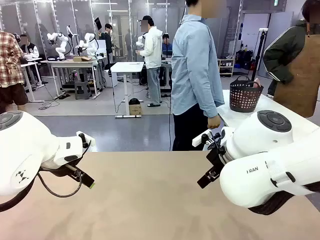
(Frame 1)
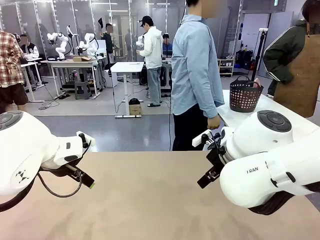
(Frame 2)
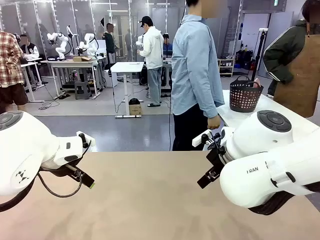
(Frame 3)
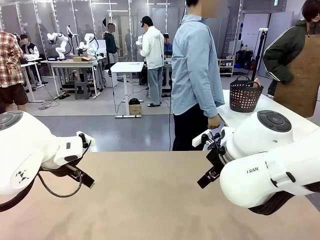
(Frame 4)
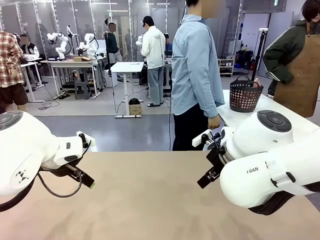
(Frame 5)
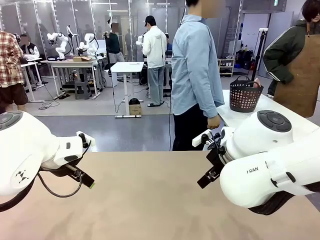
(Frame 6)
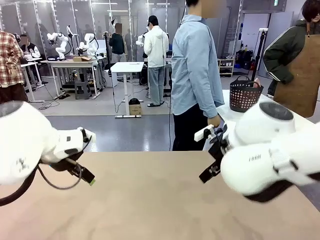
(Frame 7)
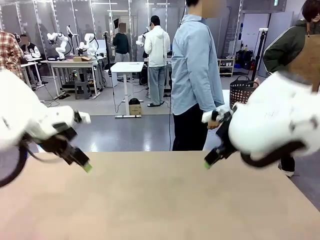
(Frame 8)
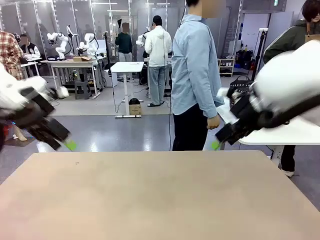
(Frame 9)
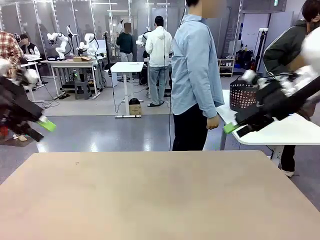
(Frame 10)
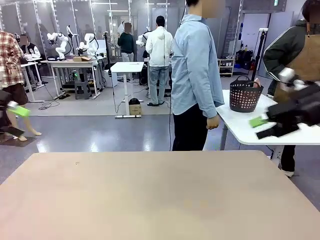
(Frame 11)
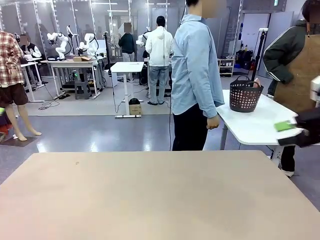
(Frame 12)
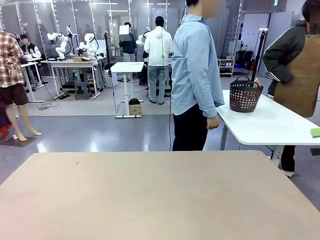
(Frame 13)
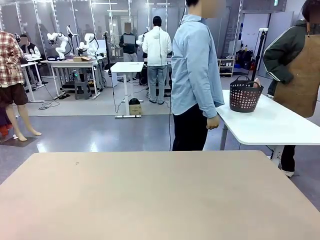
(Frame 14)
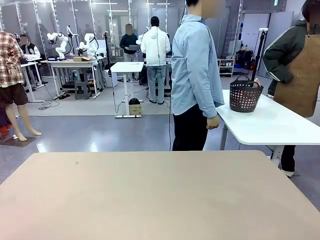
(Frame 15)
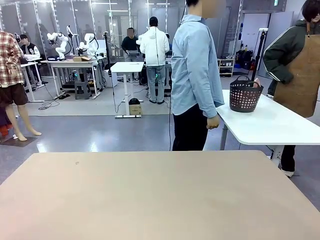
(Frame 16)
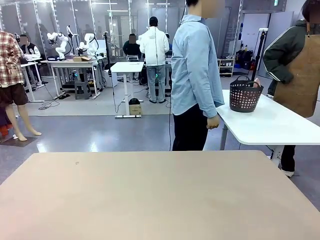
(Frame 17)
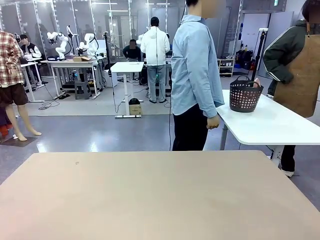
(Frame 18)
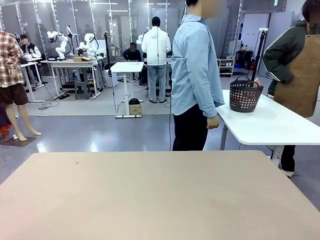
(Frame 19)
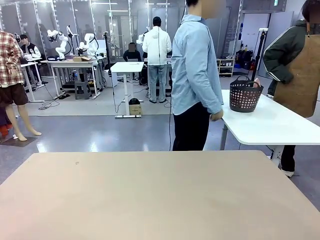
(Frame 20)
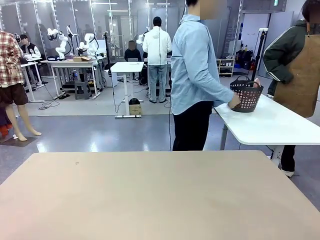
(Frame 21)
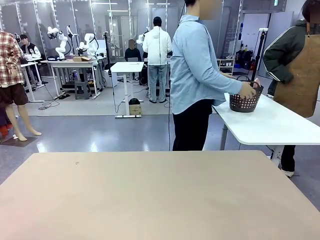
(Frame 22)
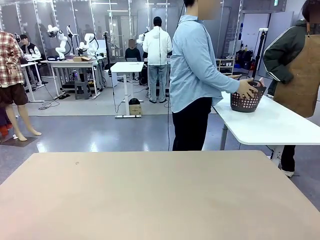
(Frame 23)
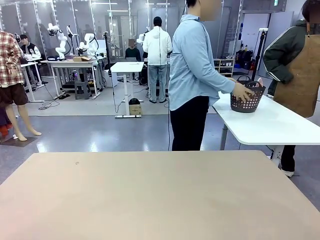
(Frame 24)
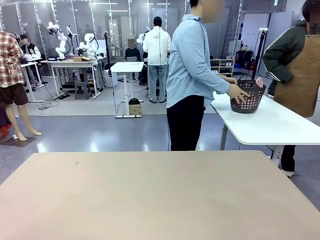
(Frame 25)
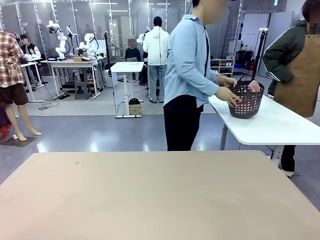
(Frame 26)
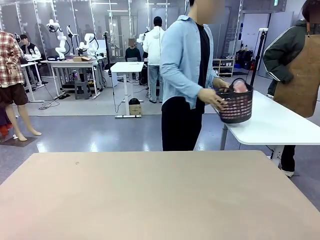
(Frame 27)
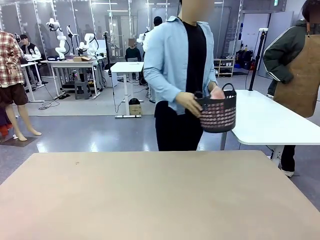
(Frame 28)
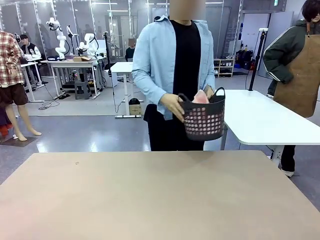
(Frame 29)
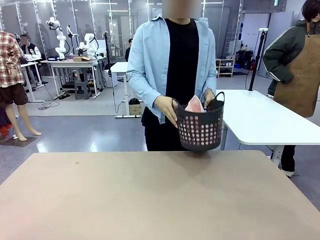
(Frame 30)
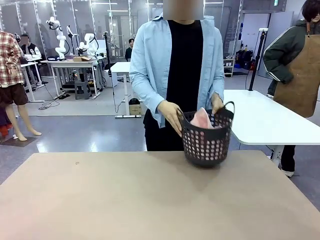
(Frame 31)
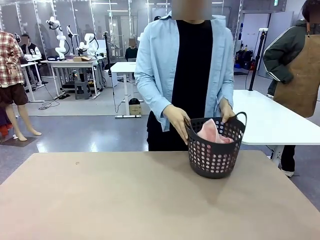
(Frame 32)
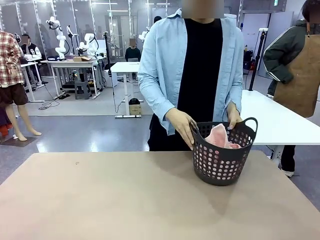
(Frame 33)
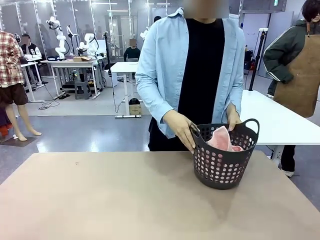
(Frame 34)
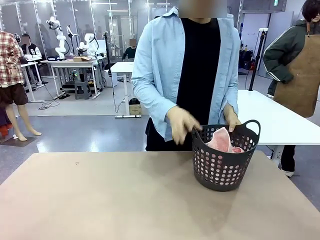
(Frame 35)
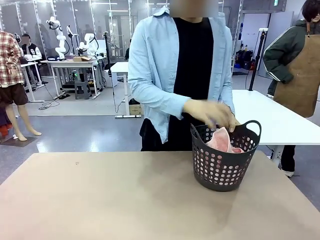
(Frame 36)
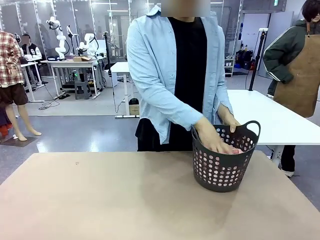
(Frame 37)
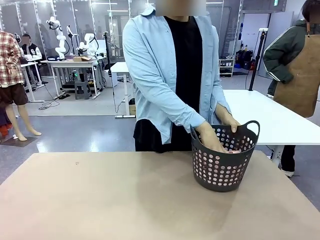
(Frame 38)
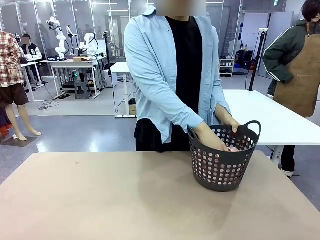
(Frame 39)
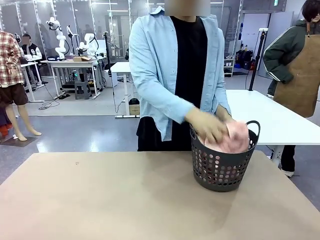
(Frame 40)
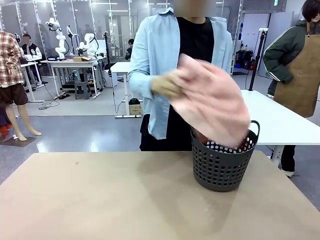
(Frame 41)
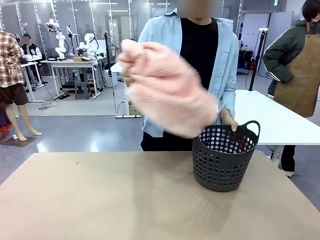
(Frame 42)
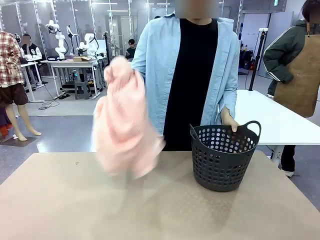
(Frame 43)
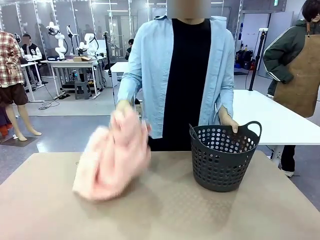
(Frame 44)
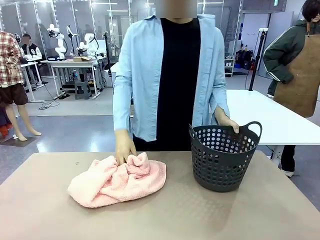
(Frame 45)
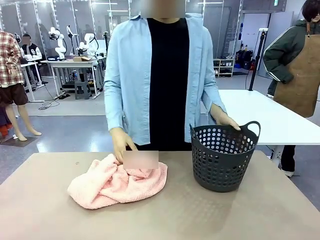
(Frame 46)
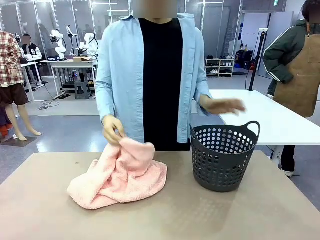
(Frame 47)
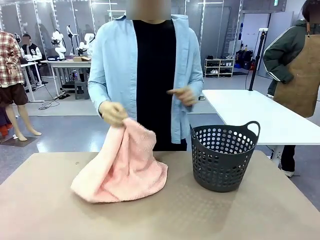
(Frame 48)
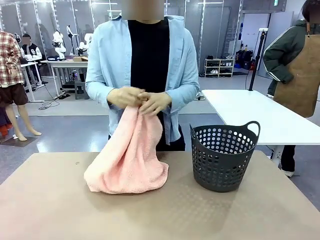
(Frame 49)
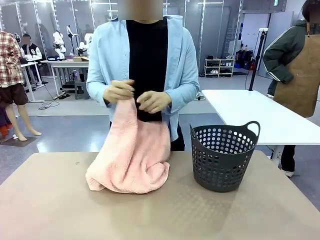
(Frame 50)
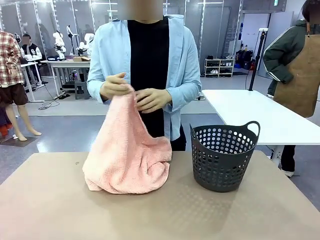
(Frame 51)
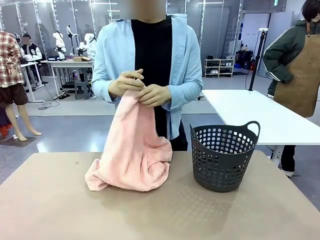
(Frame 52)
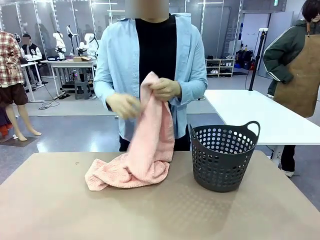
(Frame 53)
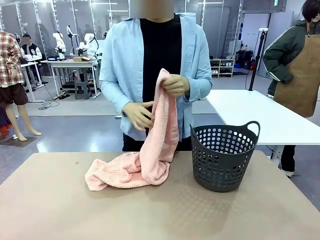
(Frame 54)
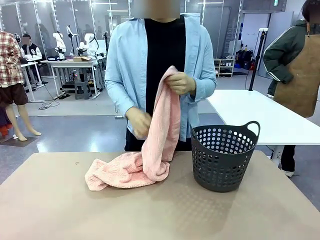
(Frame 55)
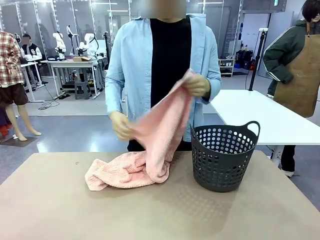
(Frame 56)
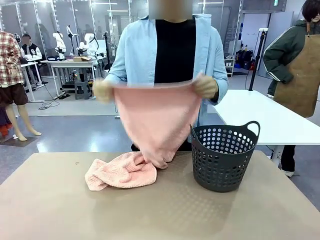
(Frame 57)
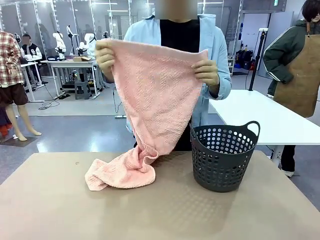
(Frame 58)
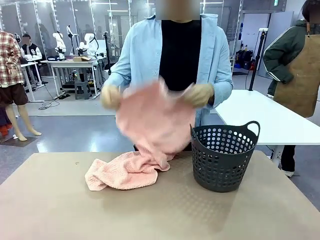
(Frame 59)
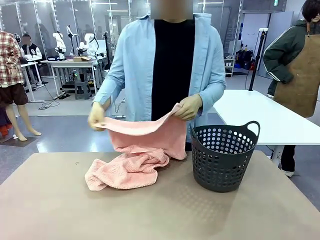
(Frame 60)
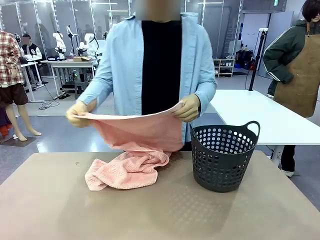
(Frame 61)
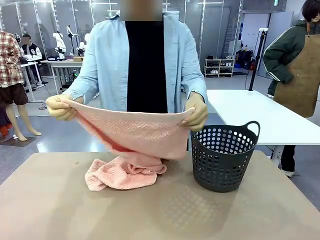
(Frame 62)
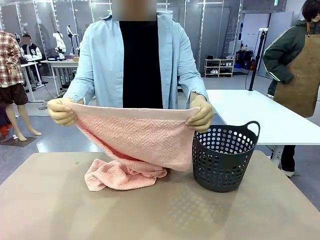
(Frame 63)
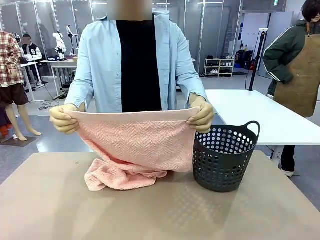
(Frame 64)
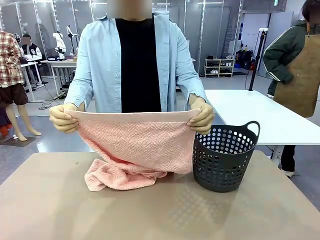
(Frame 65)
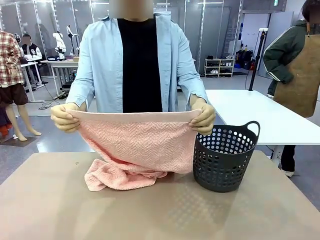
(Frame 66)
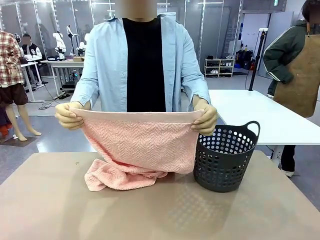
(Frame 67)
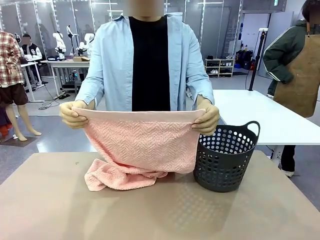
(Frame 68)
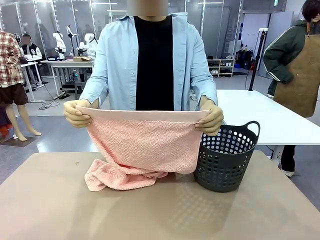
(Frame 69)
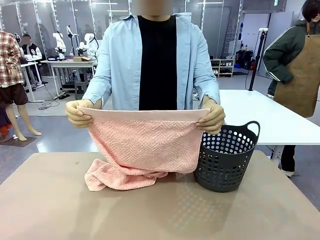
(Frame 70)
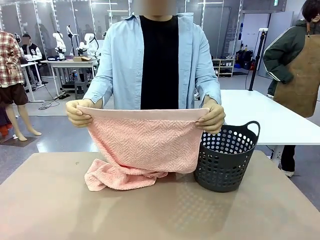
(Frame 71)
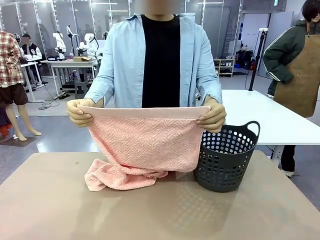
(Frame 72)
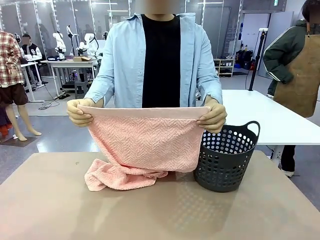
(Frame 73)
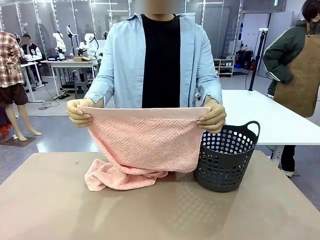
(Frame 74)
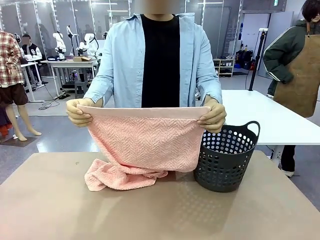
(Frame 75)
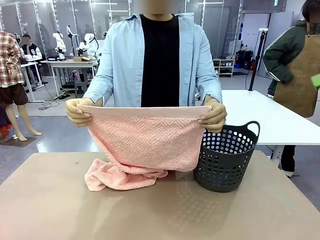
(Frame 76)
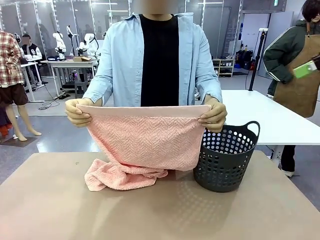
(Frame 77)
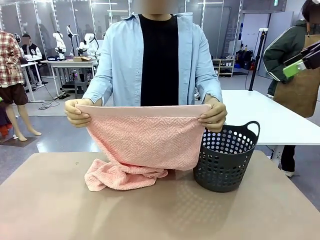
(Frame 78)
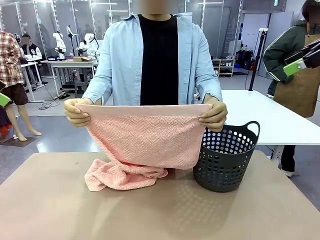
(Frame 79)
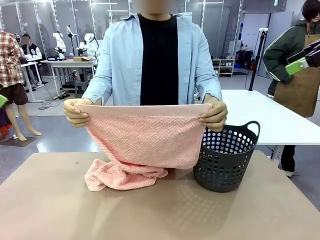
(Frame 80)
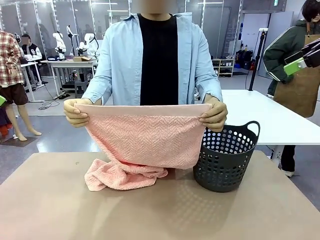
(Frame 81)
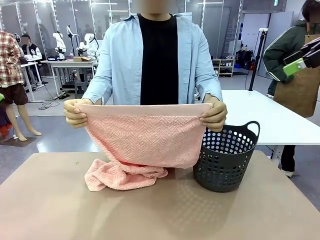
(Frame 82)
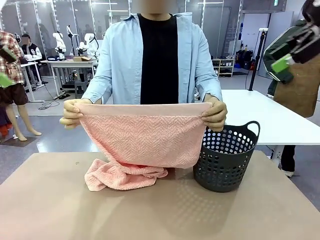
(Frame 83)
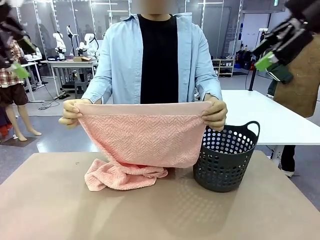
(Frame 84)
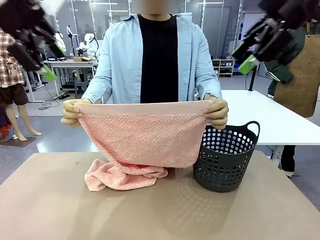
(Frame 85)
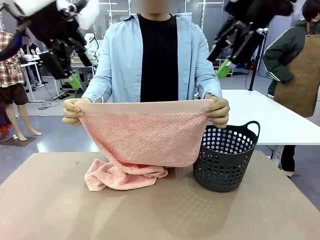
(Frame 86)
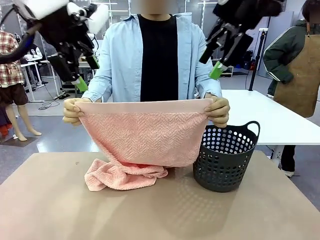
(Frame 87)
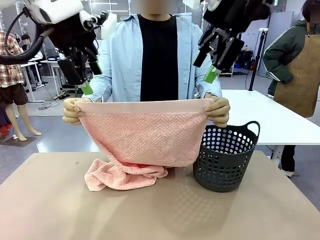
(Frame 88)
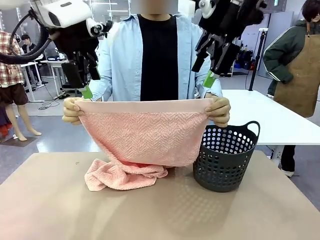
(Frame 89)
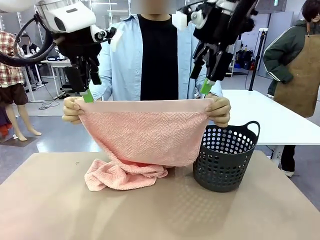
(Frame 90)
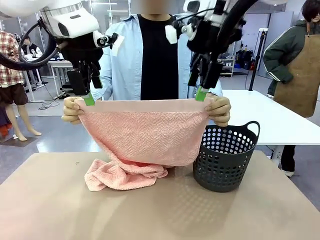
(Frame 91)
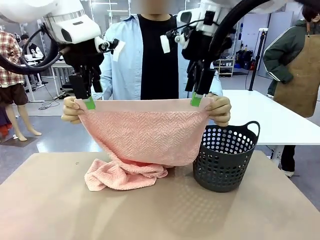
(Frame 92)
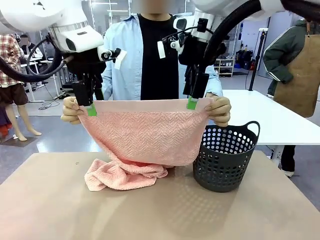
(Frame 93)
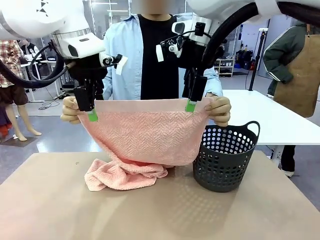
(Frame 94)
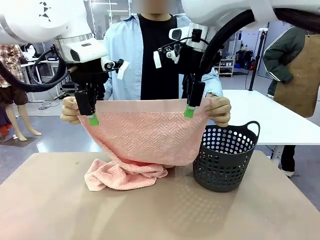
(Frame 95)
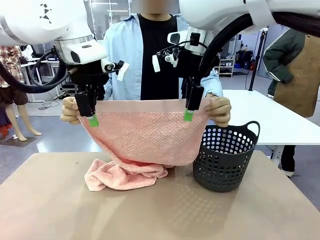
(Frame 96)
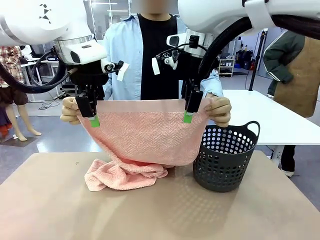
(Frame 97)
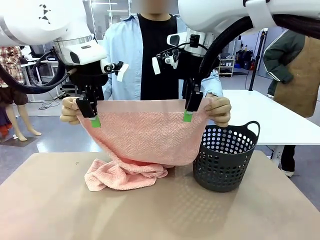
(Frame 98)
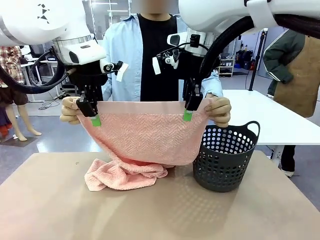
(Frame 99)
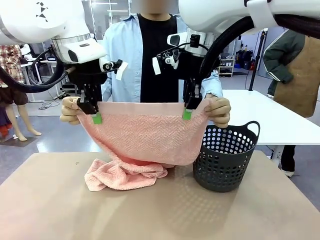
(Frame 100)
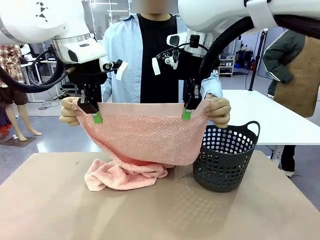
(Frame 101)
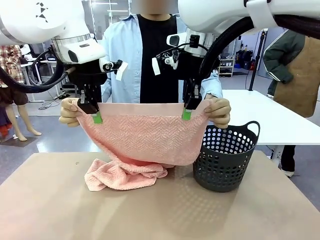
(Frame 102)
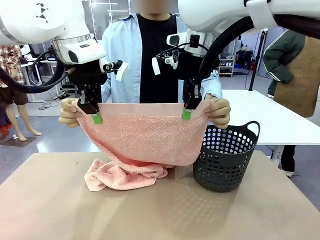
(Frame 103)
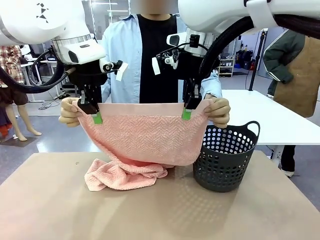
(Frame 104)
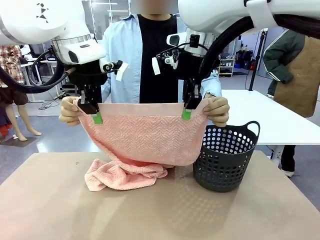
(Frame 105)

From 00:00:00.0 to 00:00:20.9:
Task: Fold the towel.
Robot: Grab the top end of the 100 cm Hotel Towel extended by the human.
Person: Pick up the laundry basket, place it on the left side of the robot table, then take out a towel and hand it to the robot while holding both corners of one end.
